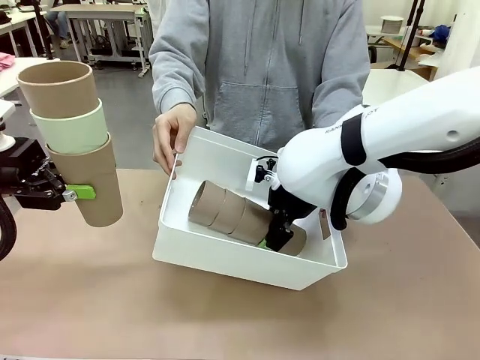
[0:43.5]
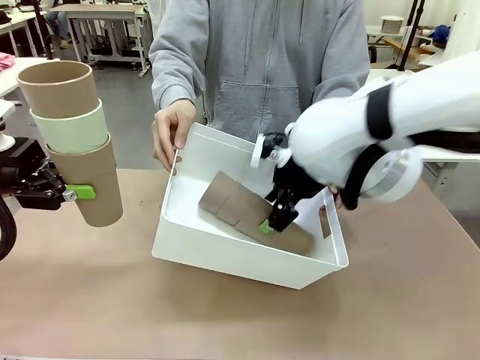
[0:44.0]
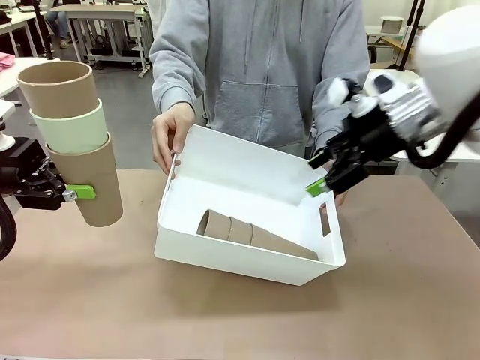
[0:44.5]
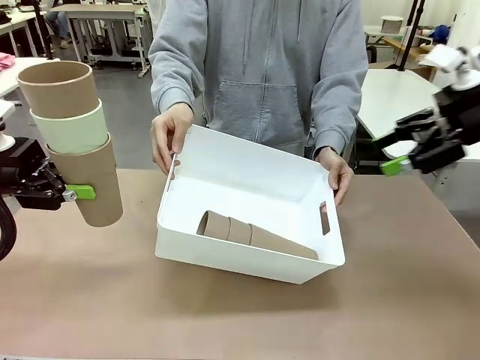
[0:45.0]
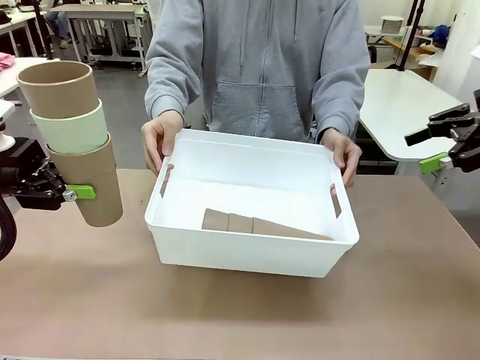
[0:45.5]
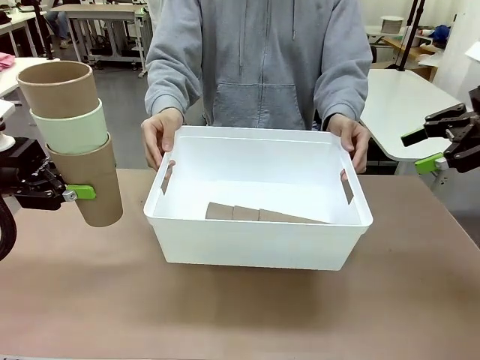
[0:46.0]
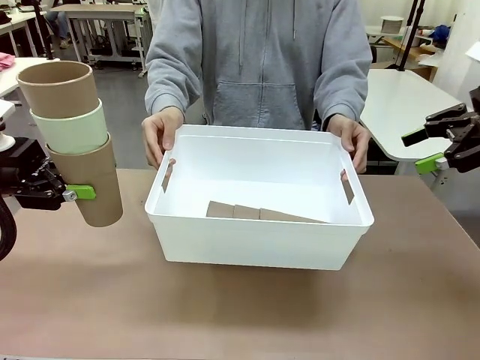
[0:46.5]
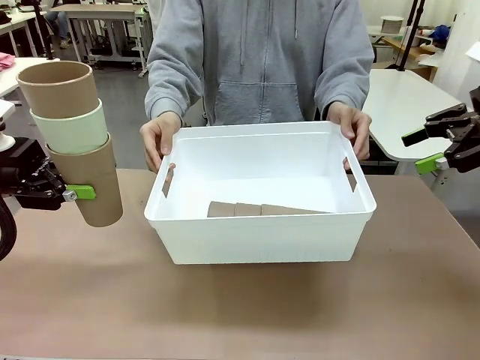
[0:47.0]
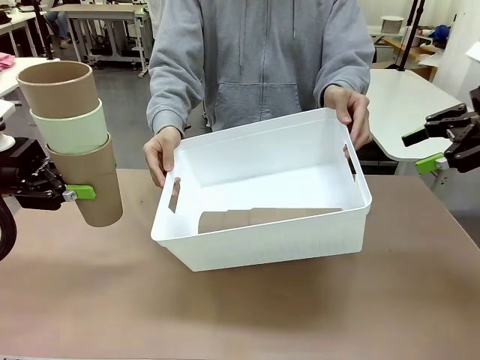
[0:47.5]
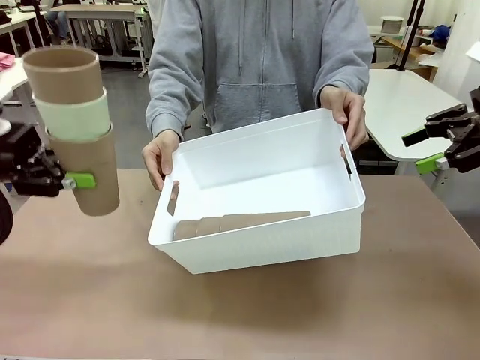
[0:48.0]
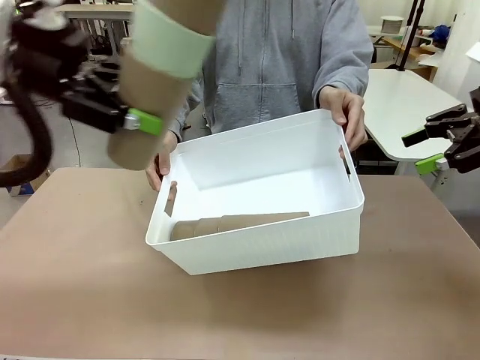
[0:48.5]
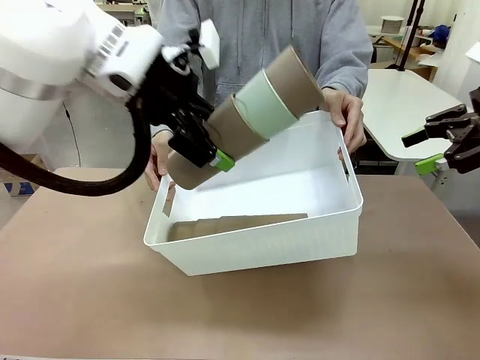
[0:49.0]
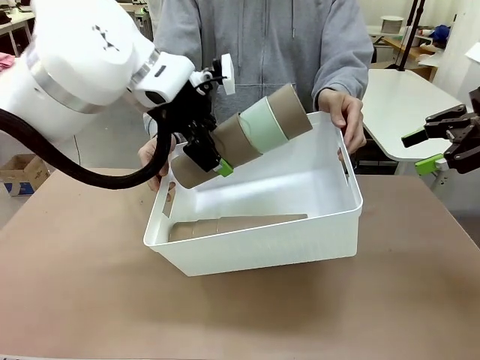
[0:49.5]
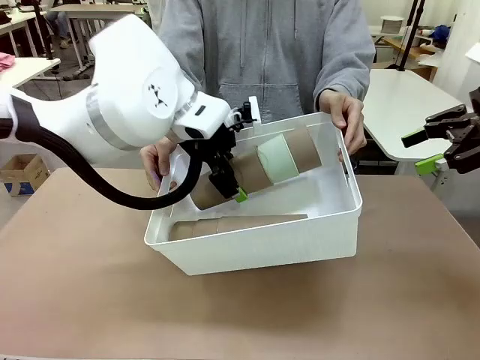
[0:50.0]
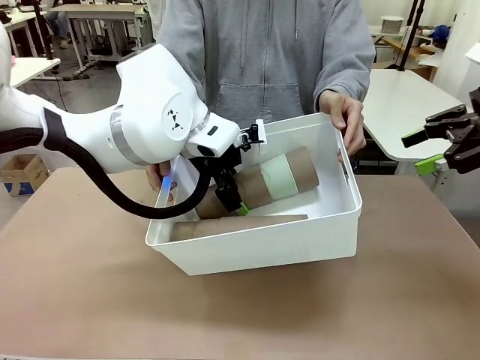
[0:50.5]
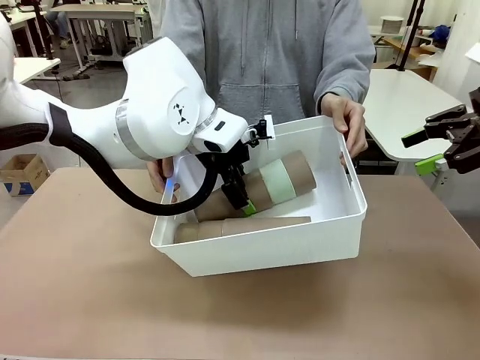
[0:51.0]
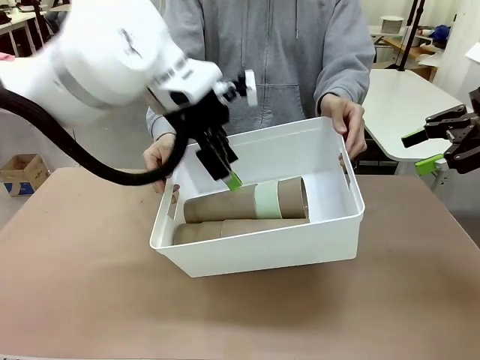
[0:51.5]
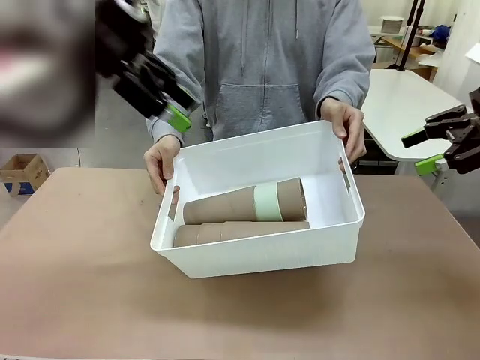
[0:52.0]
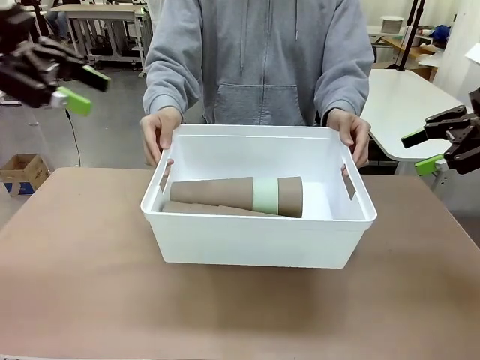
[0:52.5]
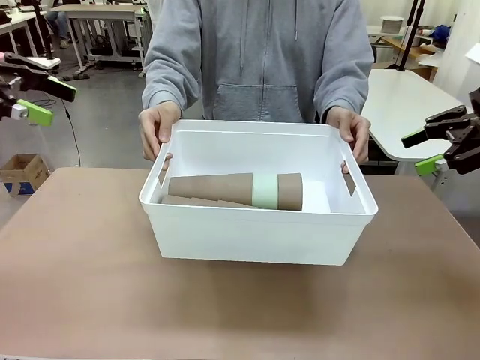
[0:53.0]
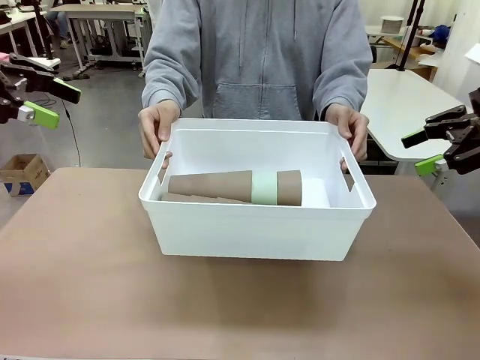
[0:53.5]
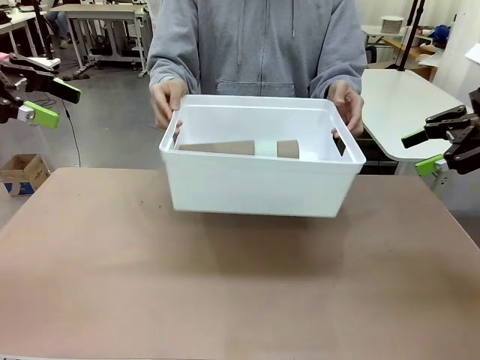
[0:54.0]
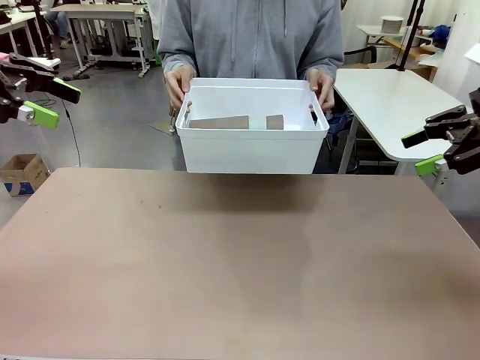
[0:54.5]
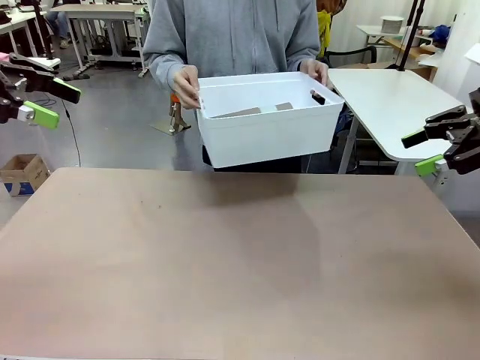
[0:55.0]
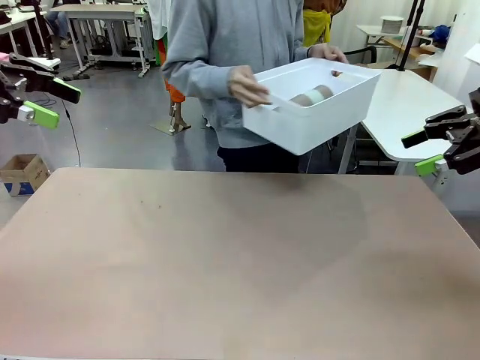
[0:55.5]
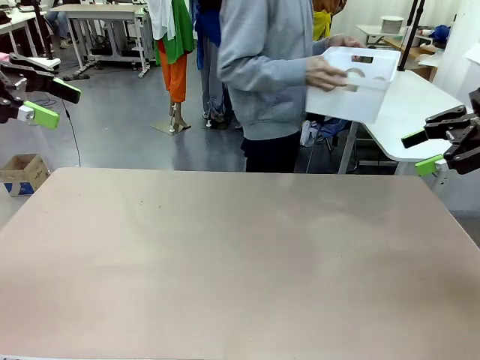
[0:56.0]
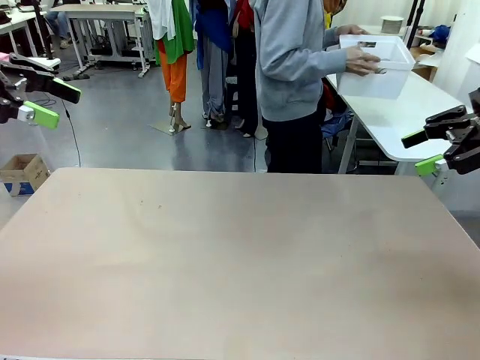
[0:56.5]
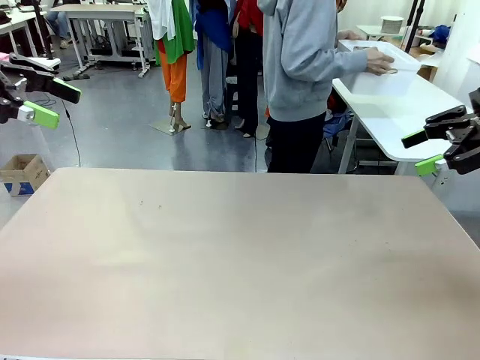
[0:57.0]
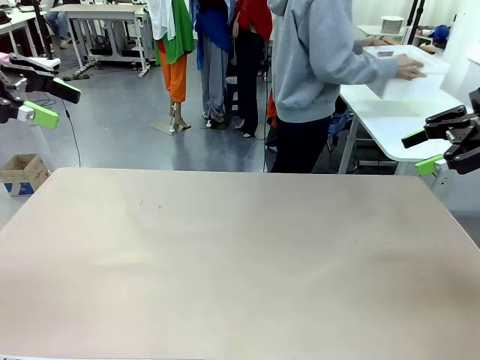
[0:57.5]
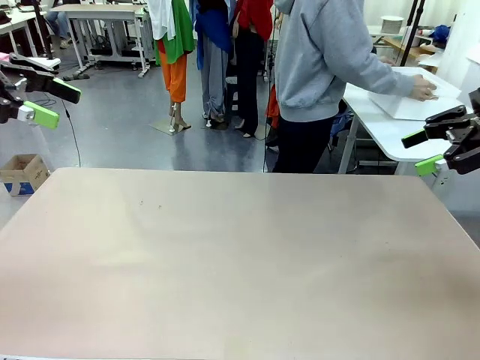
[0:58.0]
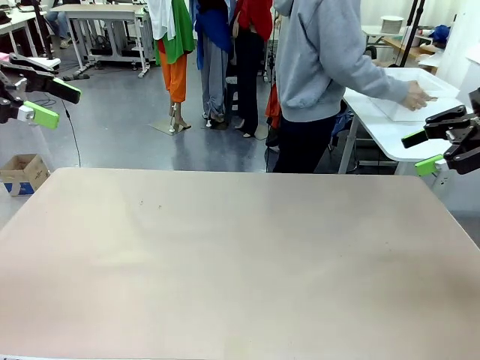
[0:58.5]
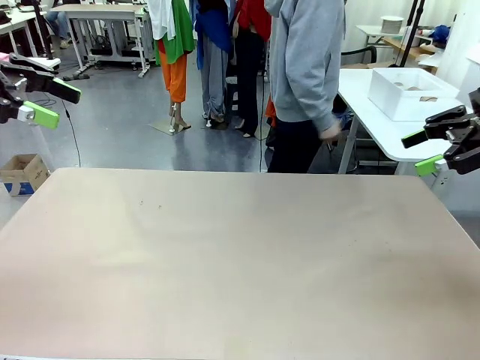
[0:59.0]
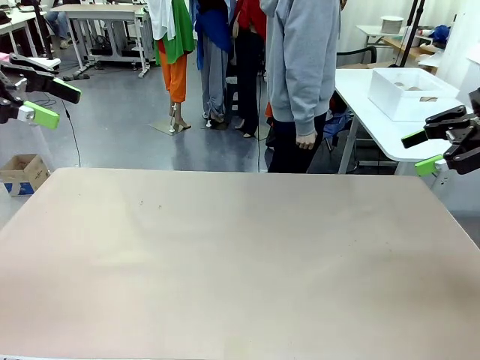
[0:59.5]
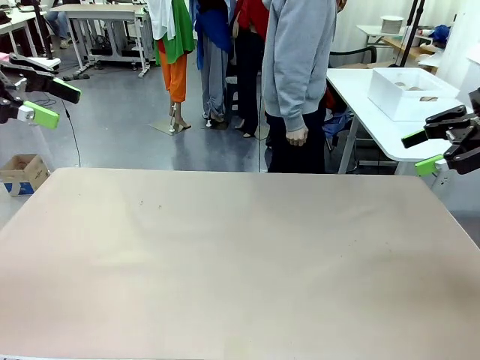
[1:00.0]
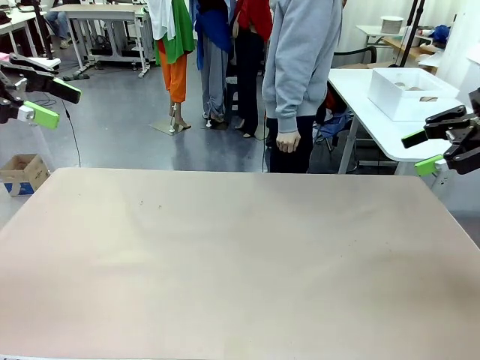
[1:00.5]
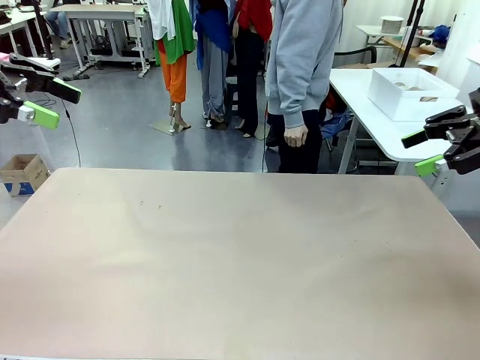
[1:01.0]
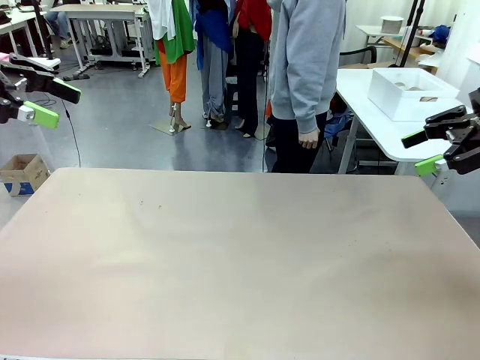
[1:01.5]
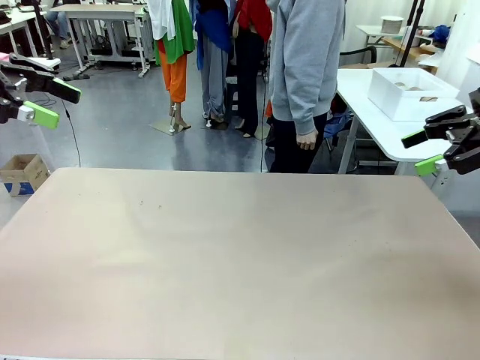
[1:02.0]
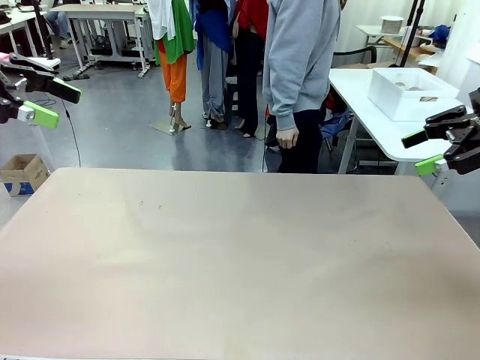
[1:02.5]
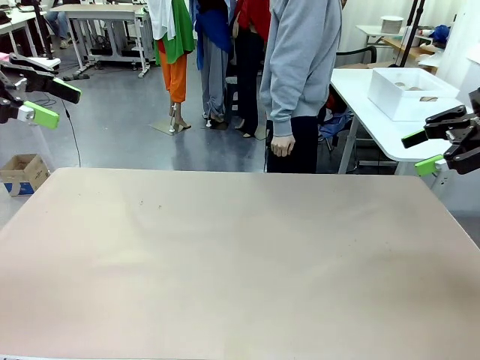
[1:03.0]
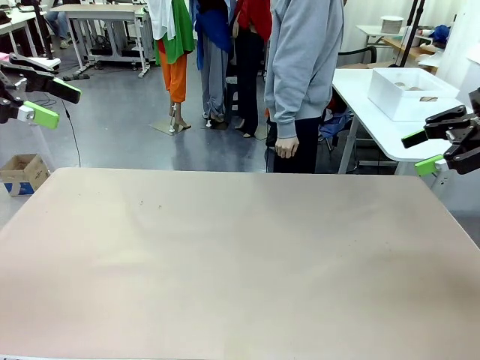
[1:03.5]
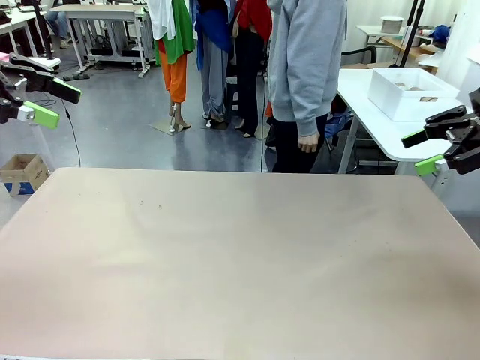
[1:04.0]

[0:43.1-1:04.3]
Task: Stack the cups and store them in the basket.
Robot: Place the stack of Reusable plastic cups into the Pantry Basket.
Person: Place the basket containing the cups in the middle of the Human Table.
